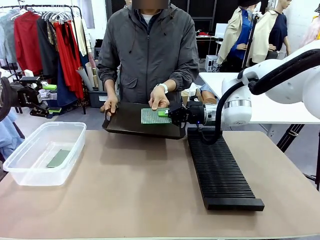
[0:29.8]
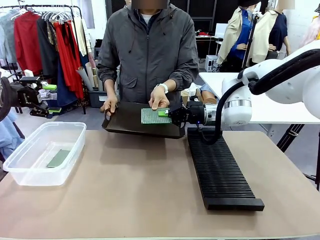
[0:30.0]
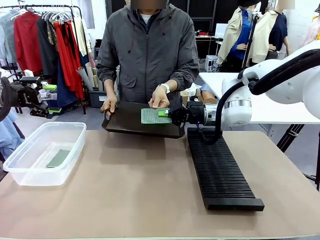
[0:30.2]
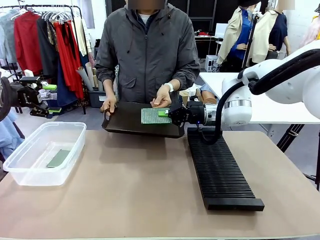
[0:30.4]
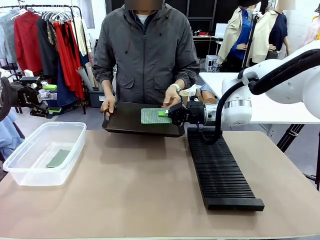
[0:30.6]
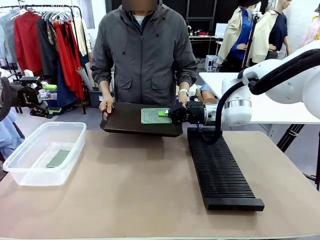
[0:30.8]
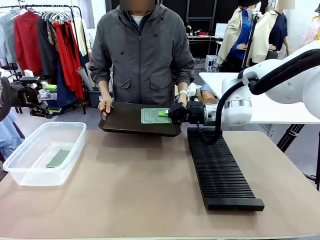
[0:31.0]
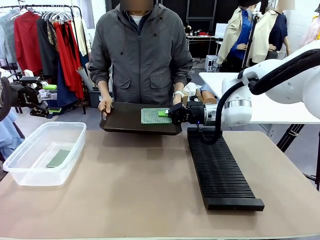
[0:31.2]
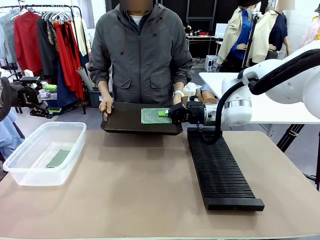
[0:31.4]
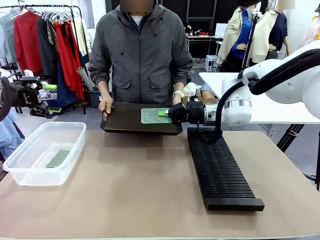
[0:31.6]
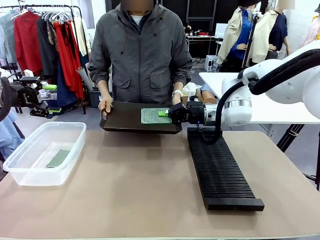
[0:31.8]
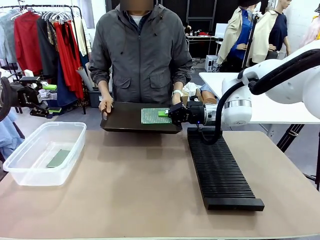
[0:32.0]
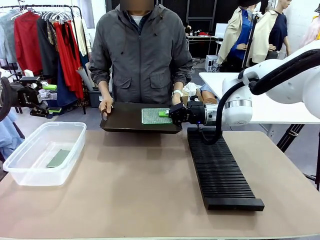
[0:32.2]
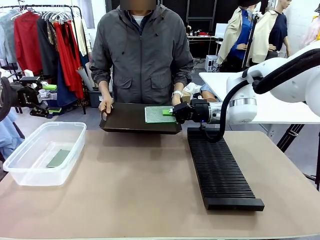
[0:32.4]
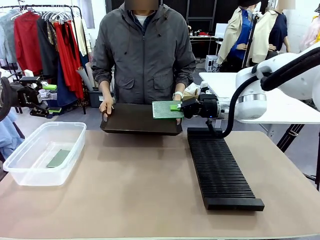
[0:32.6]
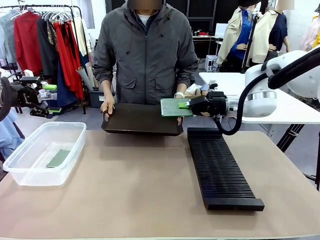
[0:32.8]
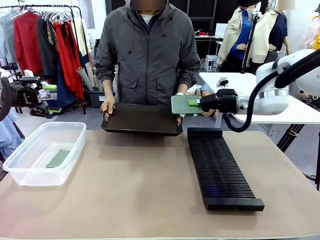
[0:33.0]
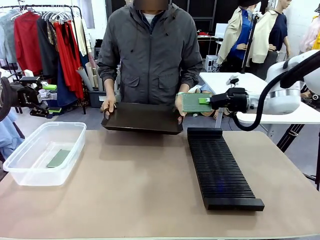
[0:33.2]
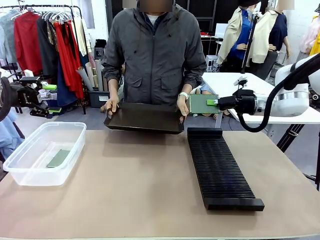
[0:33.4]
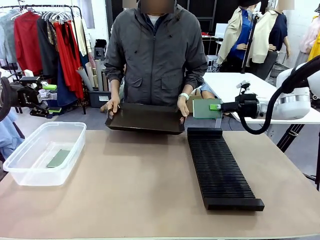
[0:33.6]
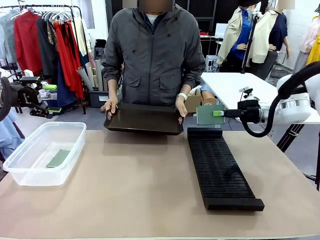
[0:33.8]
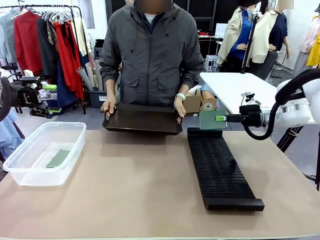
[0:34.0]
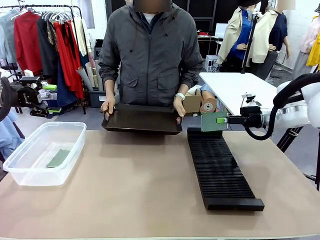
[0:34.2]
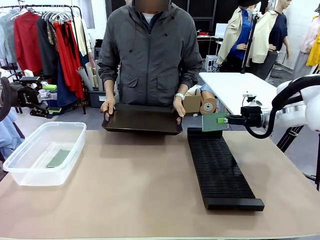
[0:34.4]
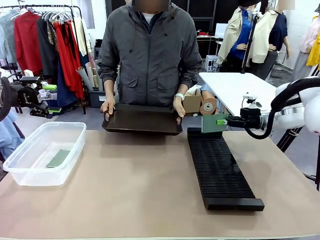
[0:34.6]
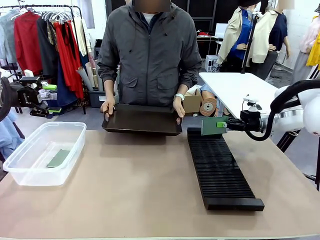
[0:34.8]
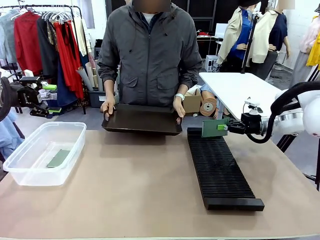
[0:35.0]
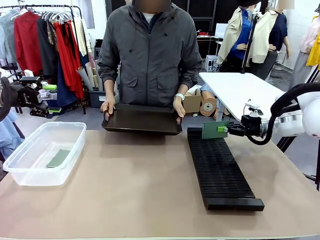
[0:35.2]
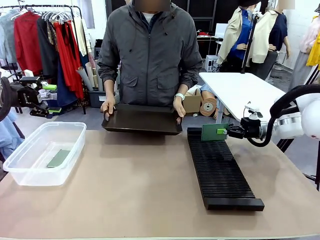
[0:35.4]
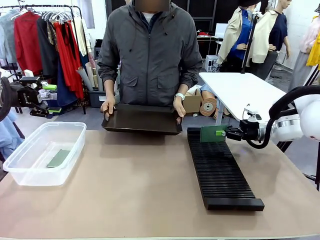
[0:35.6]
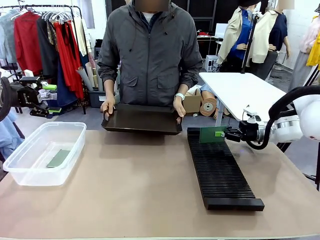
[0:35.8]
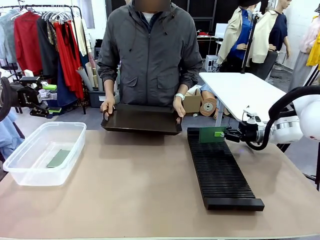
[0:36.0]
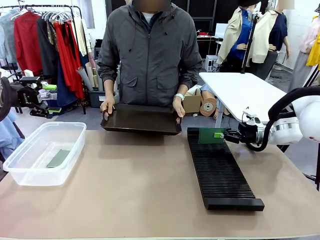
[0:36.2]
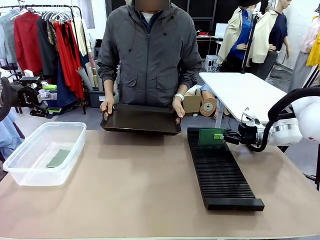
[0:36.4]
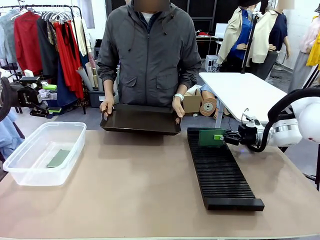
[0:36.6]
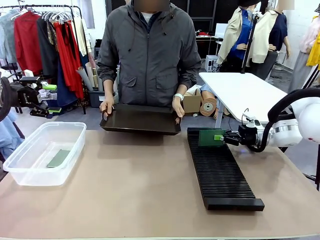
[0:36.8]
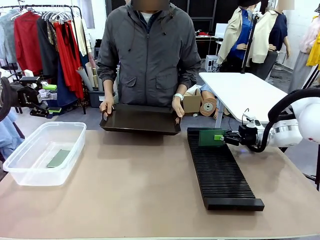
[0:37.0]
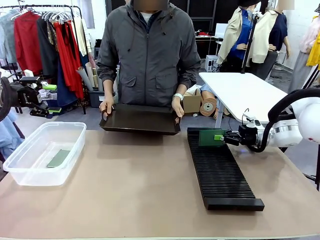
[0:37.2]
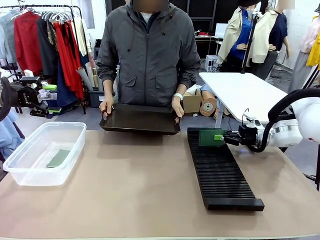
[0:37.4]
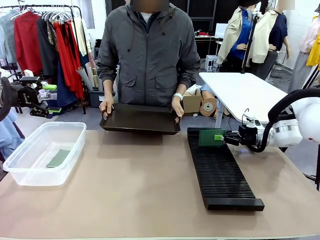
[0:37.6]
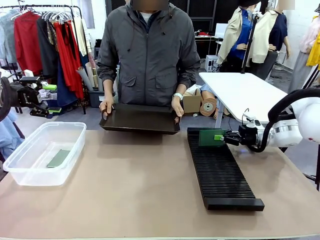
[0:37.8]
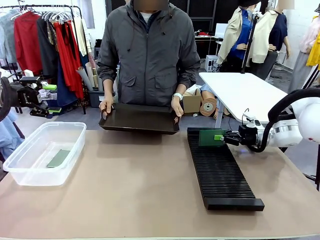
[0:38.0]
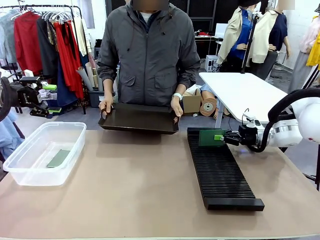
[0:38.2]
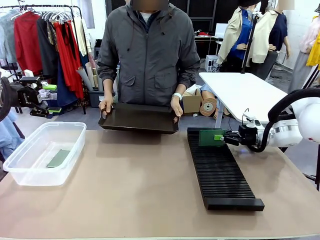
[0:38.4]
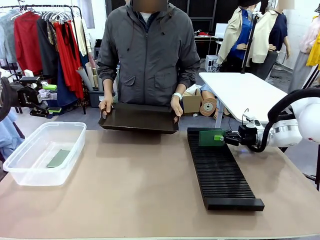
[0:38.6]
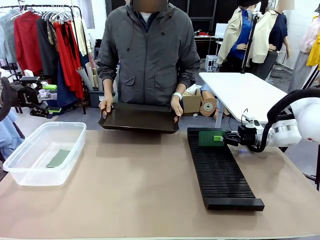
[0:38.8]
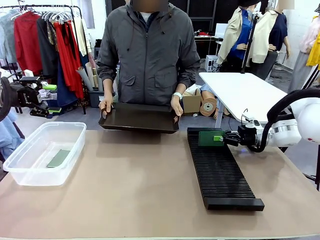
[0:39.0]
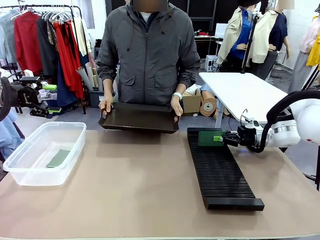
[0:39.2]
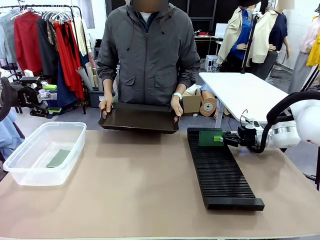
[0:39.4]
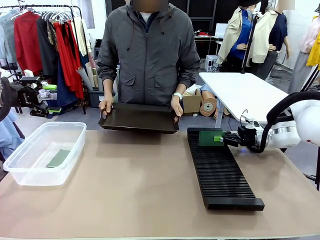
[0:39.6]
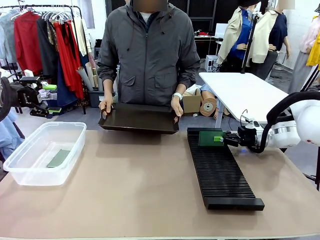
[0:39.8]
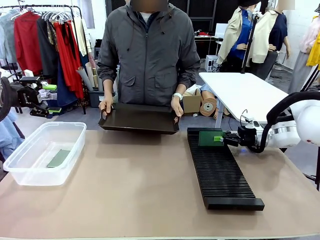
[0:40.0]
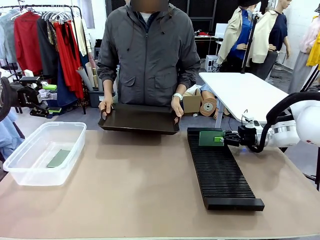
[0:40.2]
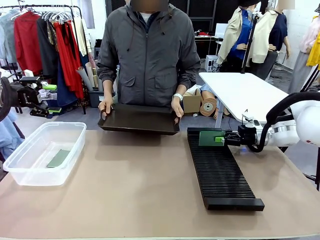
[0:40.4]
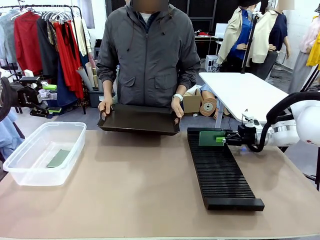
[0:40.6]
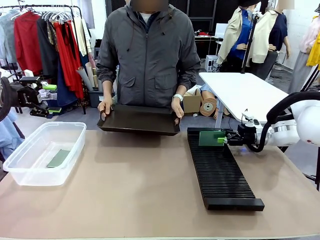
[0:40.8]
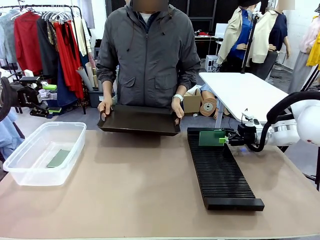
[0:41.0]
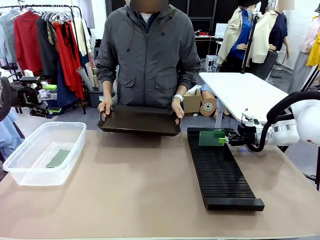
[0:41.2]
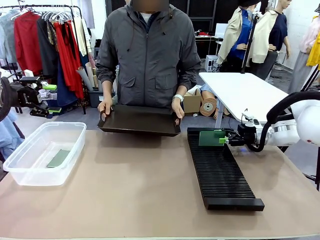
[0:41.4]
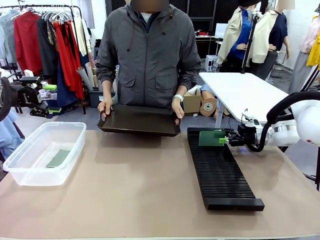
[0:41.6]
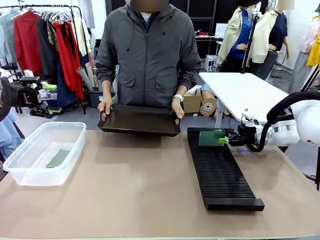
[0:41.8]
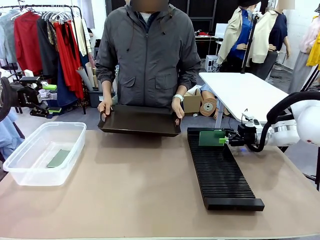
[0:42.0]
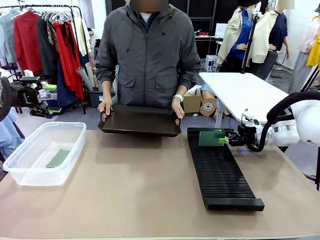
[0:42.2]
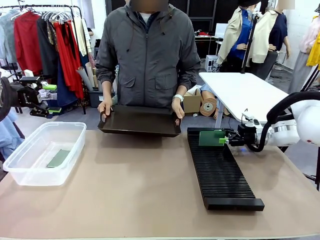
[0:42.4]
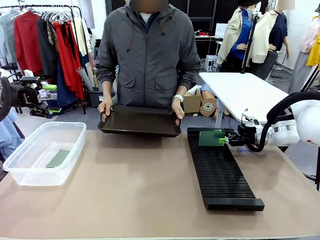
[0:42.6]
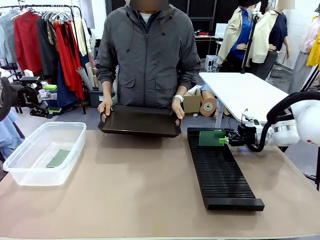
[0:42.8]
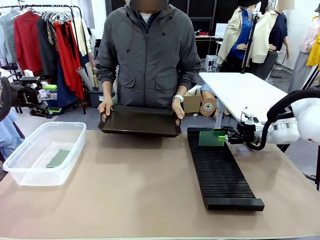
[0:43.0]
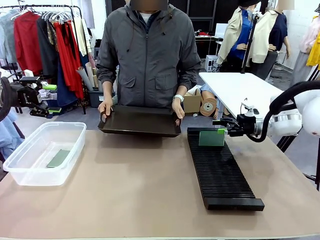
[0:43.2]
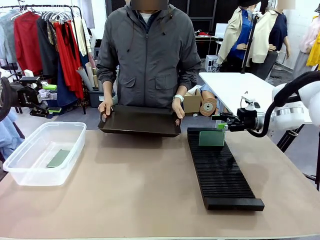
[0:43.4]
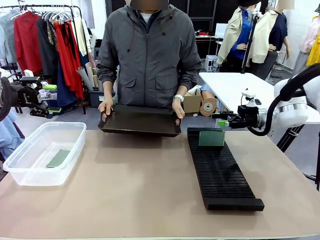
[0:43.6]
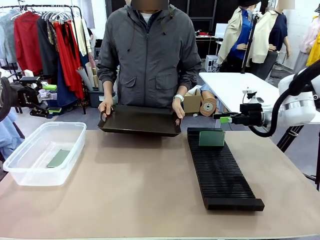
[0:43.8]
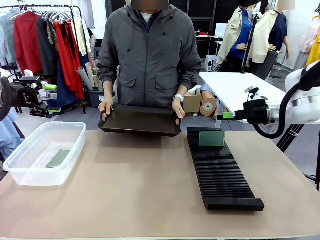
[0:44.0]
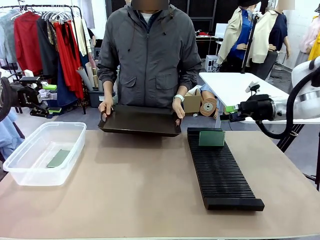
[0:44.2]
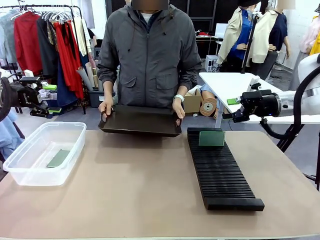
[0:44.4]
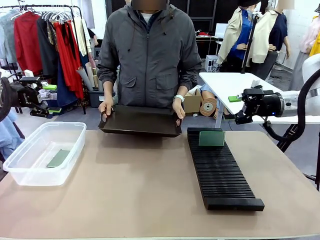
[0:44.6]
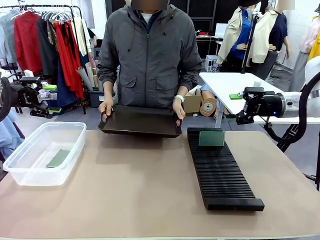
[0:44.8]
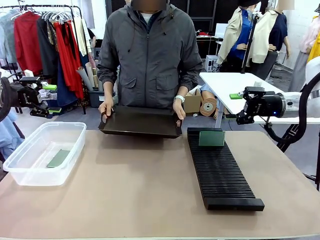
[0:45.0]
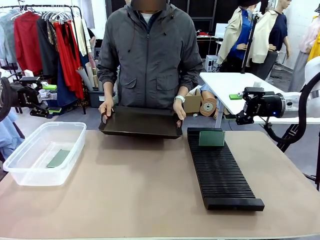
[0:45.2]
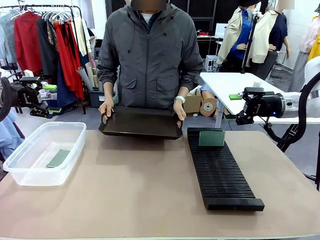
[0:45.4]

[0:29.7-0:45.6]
Task: Sort PCBs into racks and boxes based on the side picked up.
Robot: If the short side of the Blank PCB is picked up, insert it into the PCB Rack ; if the long side is picked up, place it in the Organizing box.
Person: Release the PCB being held.

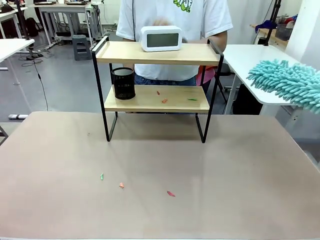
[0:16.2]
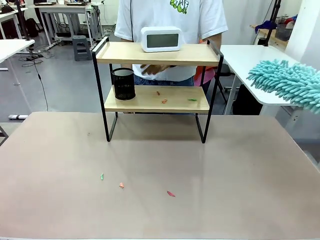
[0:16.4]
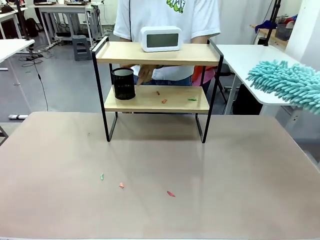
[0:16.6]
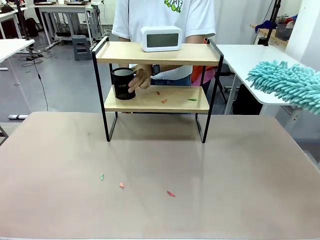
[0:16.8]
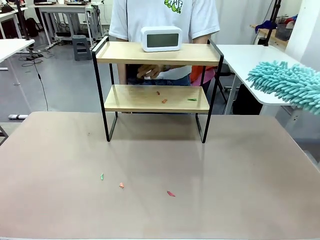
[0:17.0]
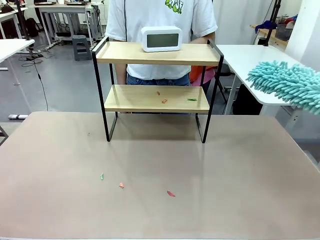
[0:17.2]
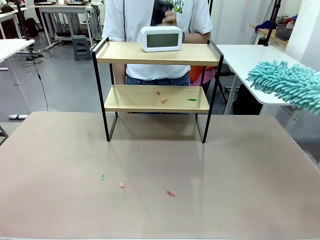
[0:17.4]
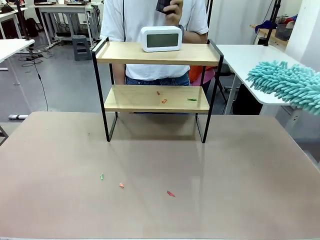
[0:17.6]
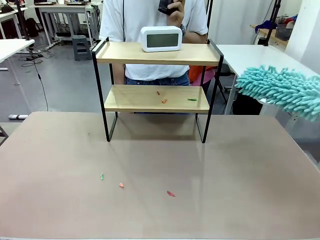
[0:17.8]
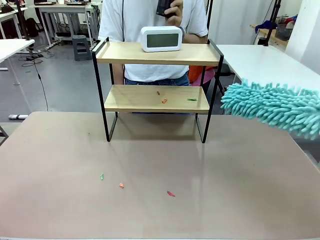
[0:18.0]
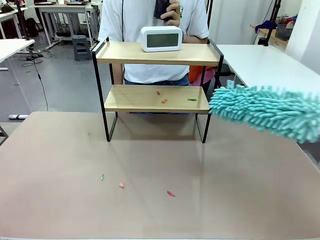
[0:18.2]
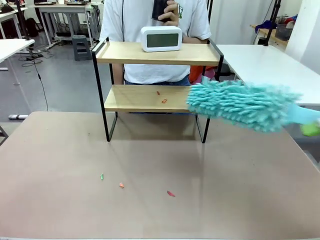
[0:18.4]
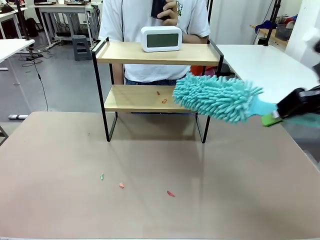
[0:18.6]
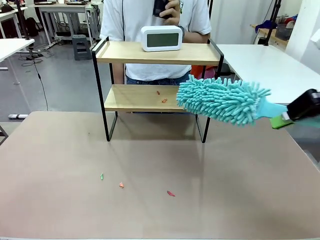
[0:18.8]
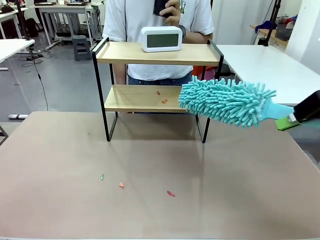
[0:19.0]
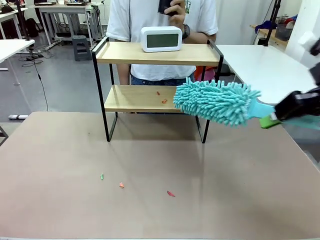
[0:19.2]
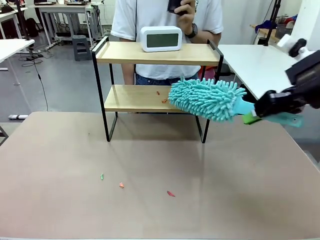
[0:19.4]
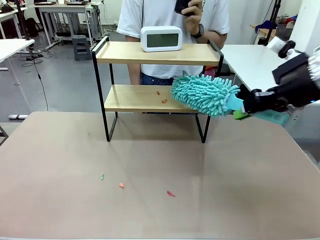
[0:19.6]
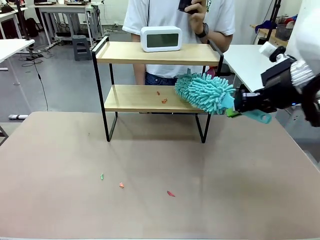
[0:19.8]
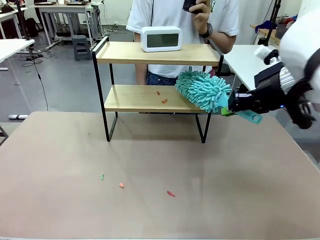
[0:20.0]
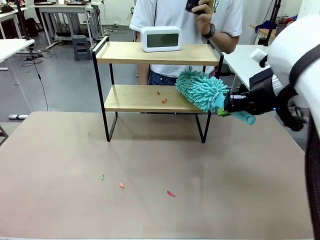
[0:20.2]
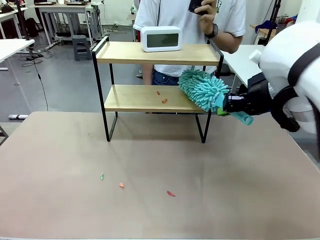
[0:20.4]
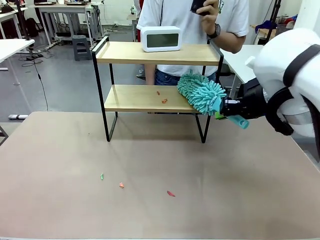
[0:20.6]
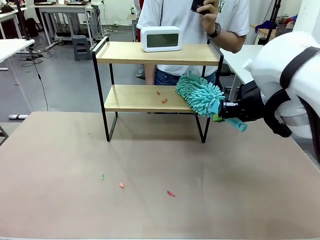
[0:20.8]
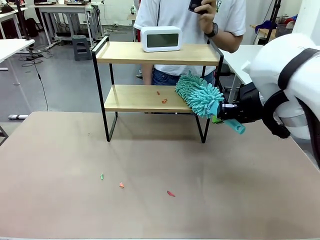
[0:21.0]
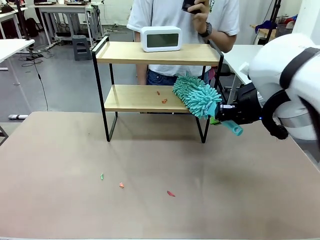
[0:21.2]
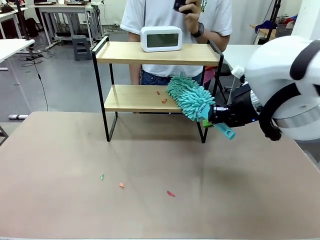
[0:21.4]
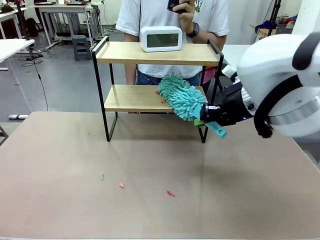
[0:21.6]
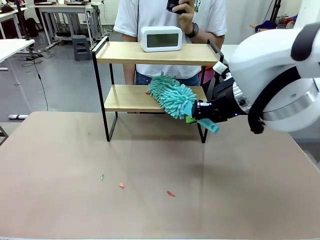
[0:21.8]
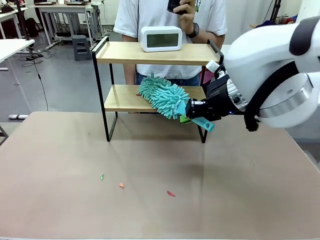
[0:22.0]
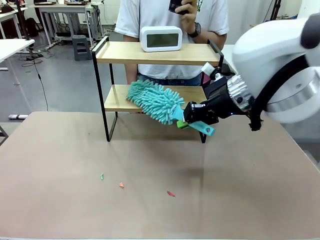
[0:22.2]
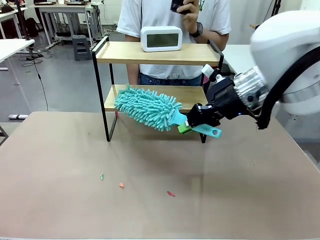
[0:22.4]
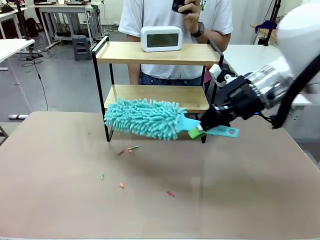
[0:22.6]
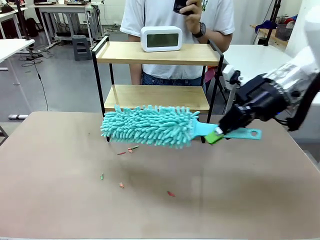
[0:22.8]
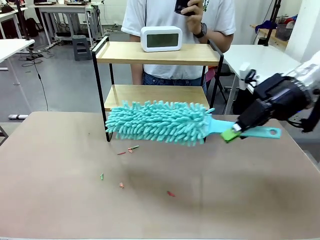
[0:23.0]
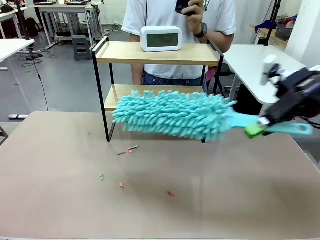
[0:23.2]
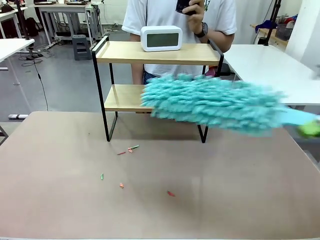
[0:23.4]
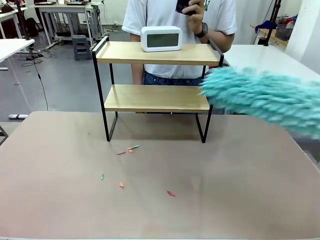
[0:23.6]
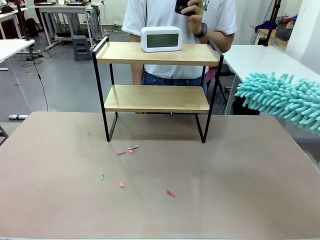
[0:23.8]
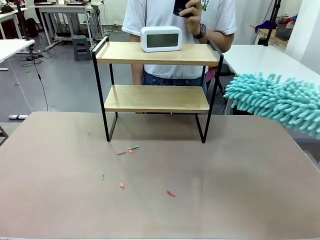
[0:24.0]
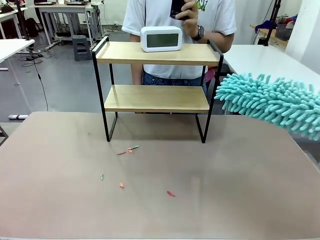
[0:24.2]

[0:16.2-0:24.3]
Task: Clean the shelf.
Robot: Clean the remaining tier of the Shelf with the Duster once objects are removed.
